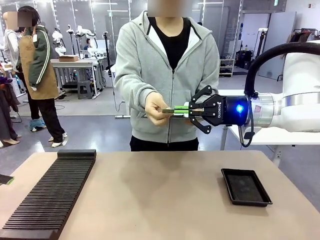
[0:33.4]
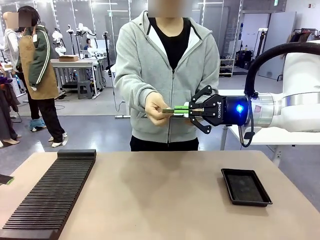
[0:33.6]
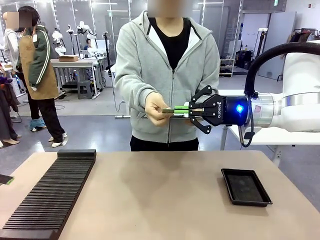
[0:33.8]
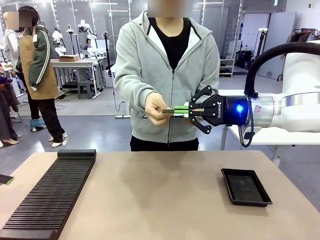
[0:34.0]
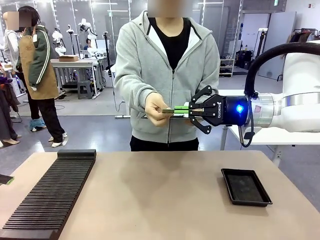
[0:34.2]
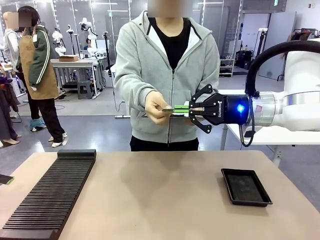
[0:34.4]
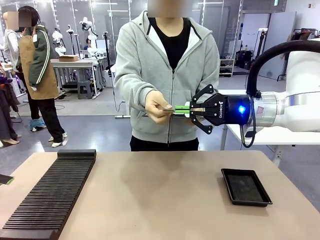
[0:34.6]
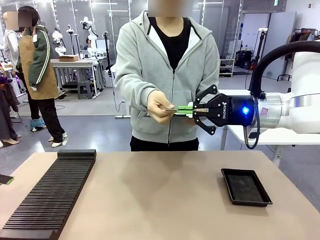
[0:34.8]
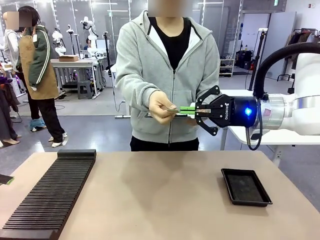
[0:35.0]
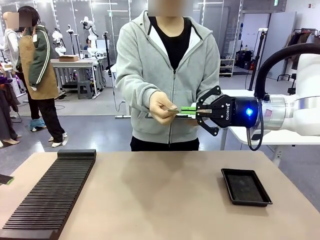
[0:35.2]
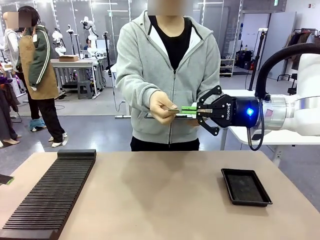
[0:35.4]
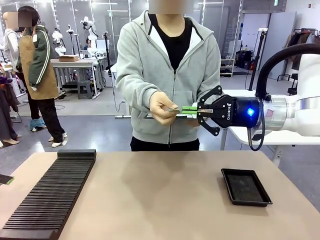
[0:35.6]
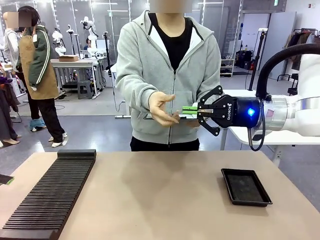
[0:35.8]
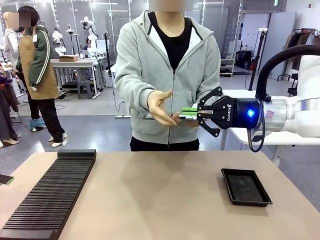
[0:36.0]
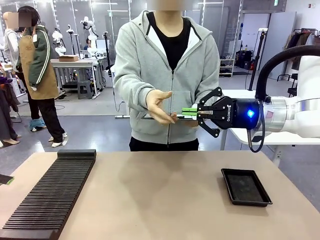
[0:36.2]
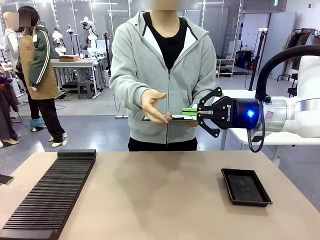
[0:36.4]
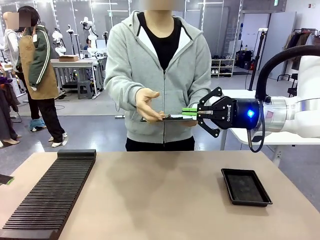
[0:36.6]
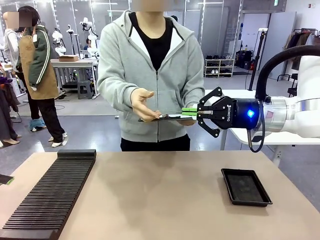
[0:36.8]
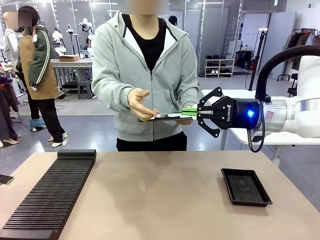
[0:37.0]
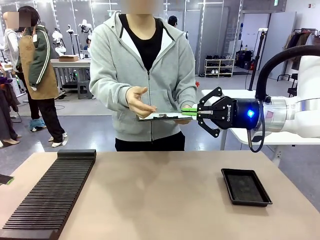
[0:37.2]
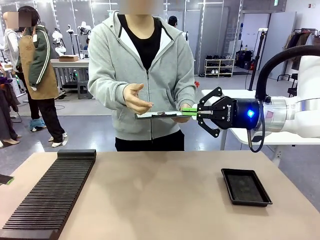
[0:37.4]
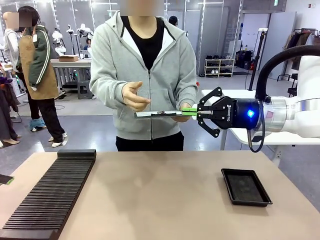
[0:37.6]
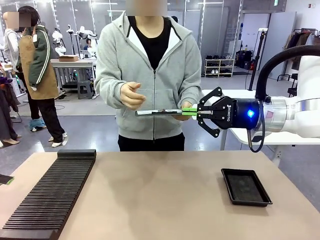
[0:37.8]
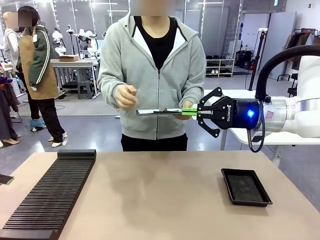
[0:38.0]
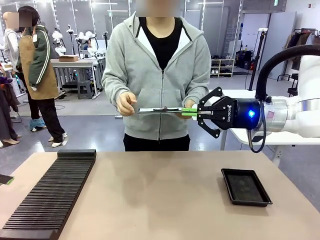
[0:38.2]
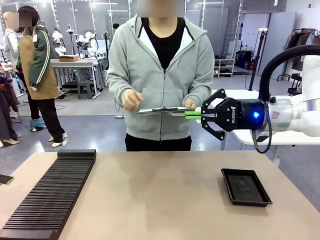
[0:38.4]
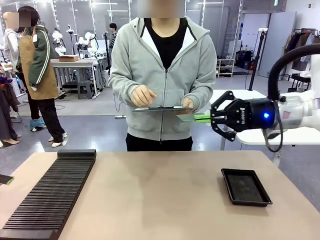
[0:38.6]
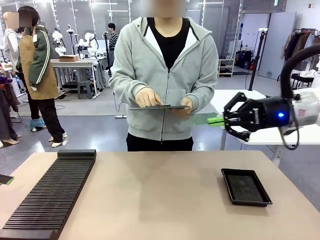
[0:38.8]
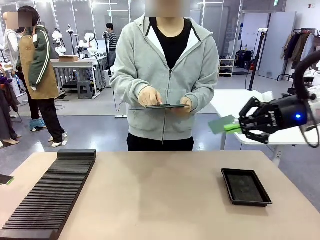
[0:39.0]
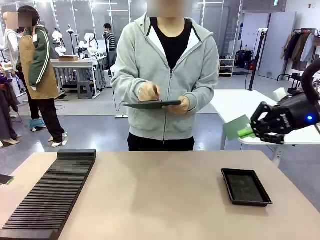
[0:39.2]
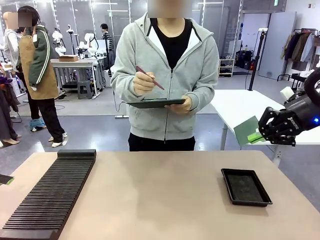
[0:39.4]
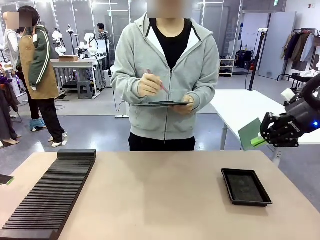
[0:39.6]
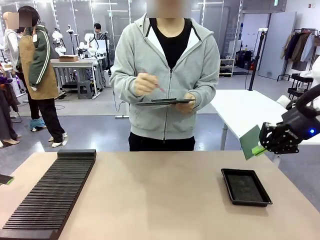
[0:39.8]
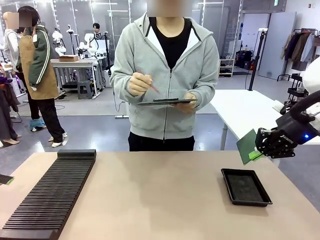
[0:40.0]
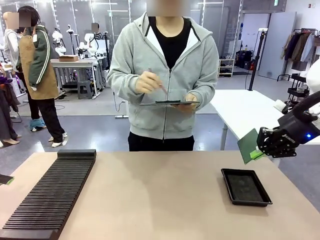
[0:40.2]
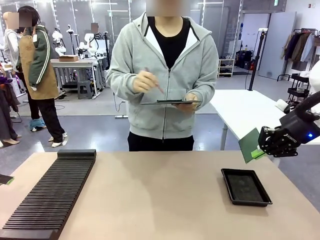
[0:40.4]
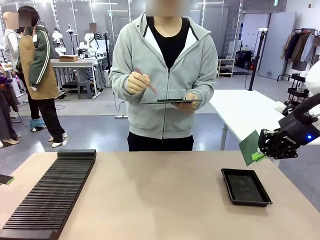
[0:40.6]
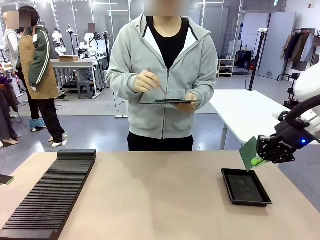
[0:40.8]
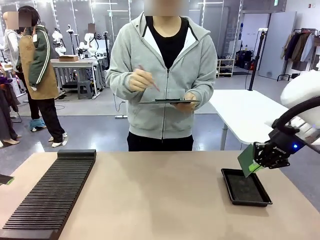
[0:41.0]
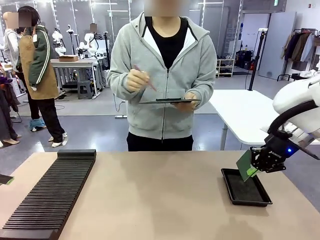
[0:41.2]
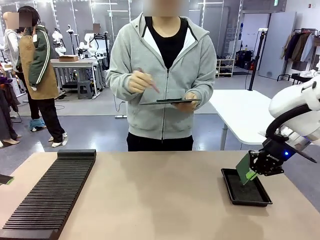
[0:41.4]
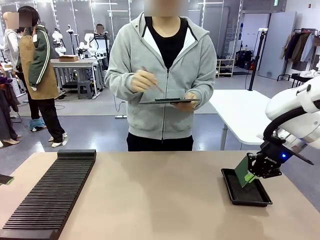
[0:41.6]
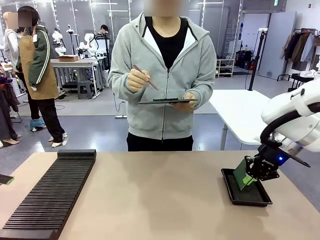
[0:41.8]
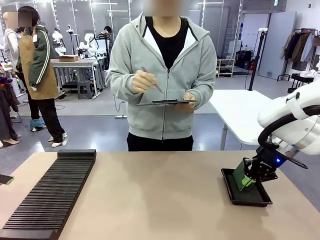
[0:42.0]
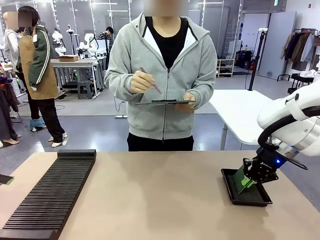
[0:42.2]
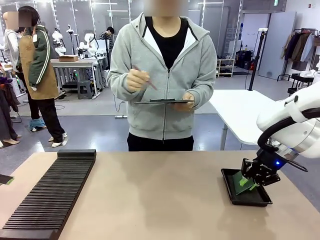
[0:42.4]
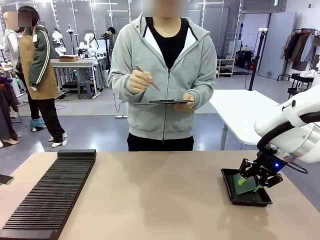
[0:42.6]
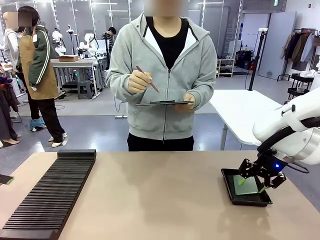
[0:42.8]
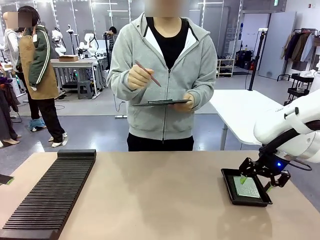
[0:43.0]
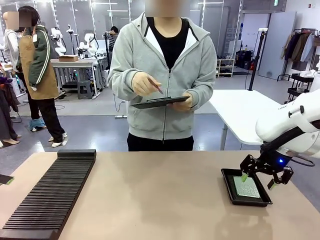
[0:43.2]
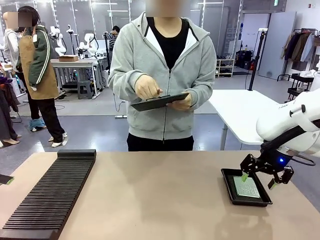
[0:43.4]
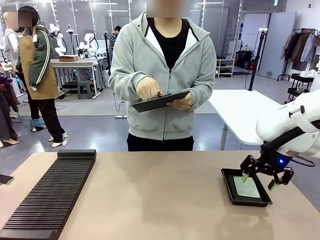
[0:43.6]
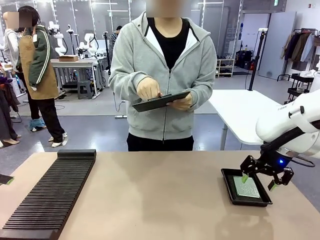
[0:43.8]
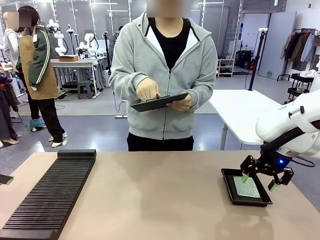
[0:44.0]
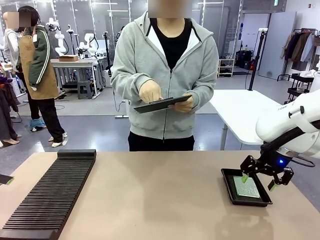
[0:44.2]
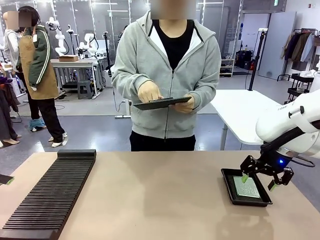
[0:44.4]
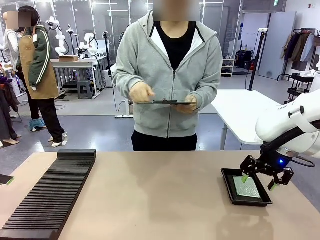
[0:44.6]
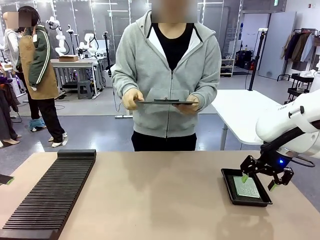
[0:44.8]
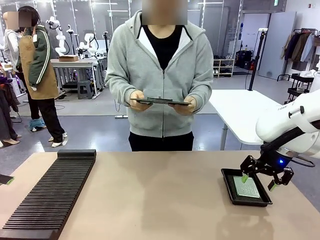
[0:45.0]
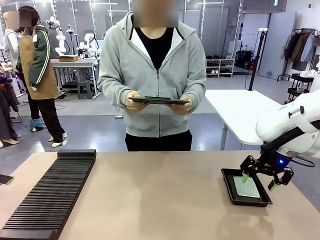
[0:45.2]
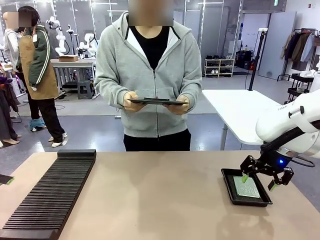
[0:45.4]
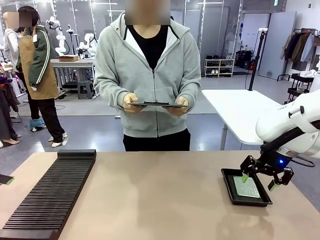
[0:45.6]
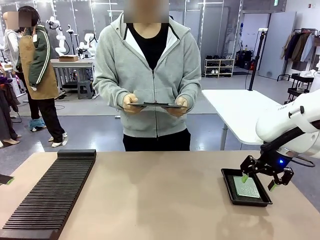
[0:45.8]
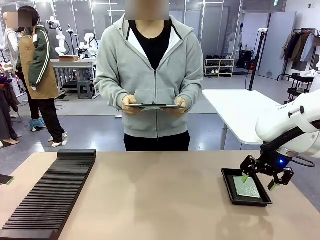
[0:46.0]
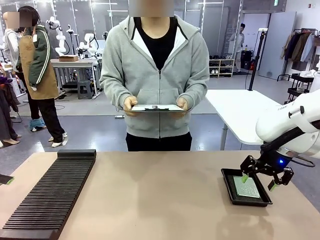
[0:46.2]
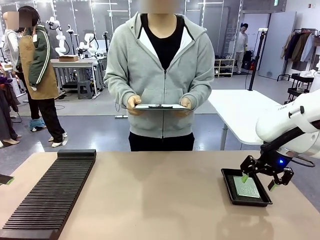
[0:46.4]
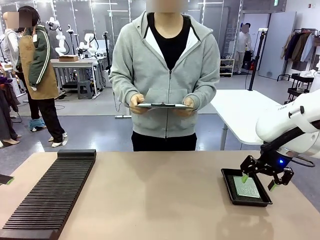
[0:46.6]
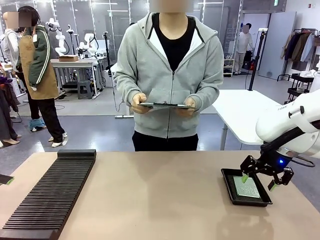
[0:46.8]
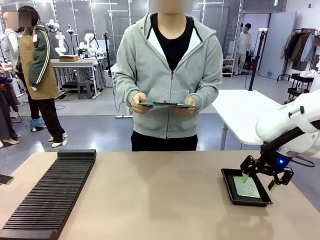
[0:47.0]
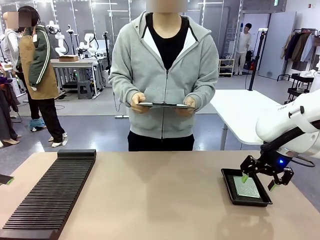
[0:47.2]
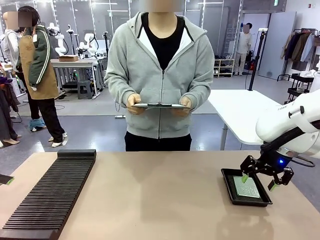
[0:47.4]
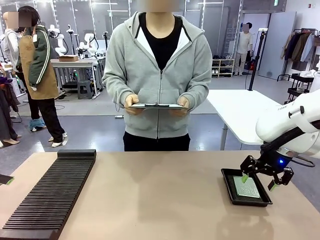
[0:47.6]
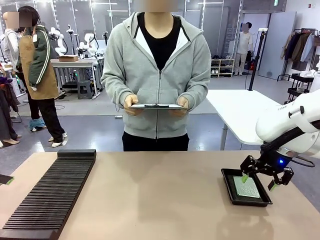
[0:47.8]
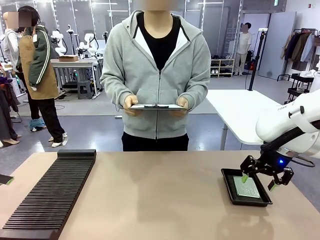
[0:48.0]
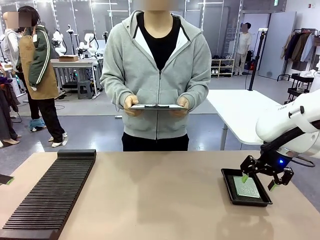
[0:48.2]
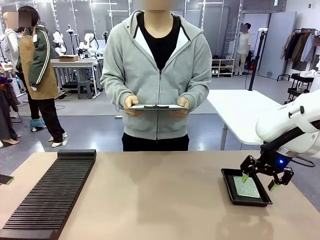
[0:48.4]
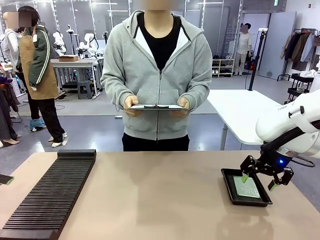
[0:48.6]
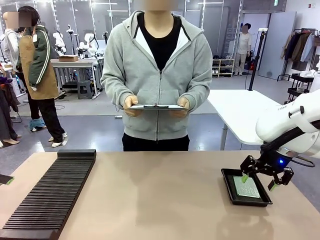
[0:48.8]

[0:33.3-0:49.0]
Task: Inspect the PCB.
Robot: Place the Blank PCB in the ESD tray.
Person: Record the PCB status on the paper.
